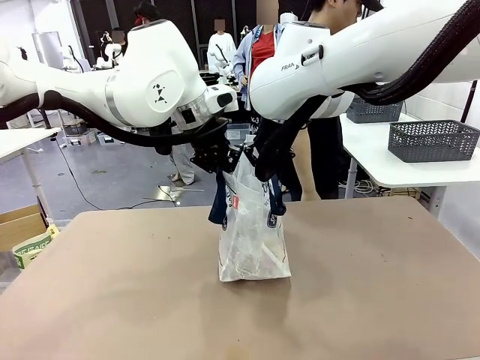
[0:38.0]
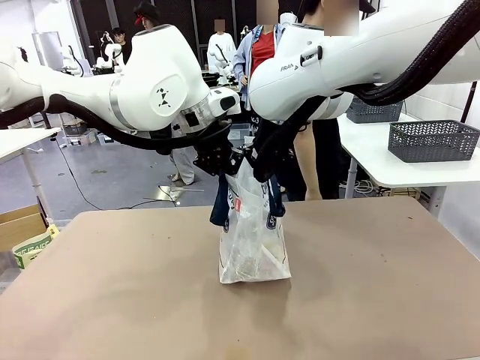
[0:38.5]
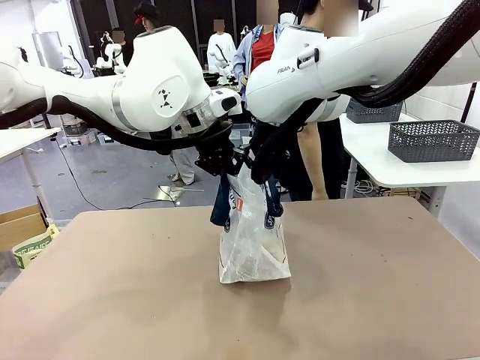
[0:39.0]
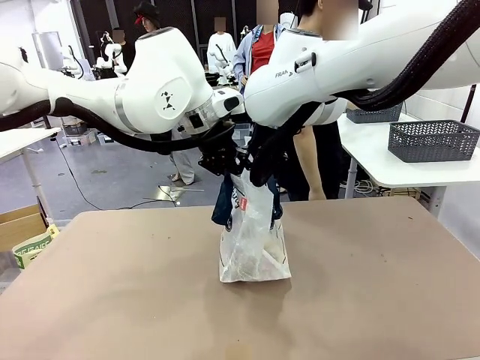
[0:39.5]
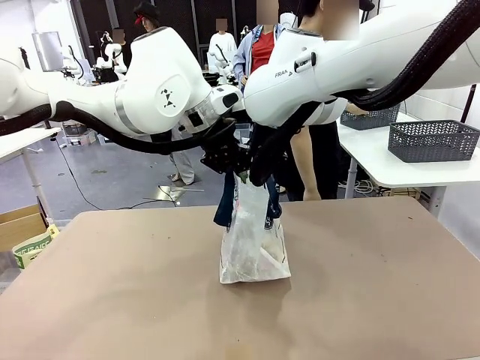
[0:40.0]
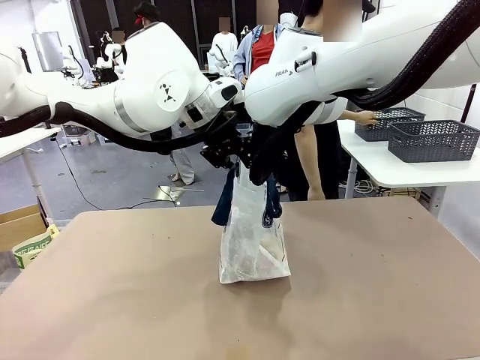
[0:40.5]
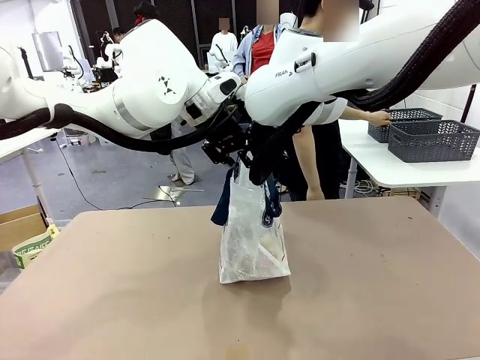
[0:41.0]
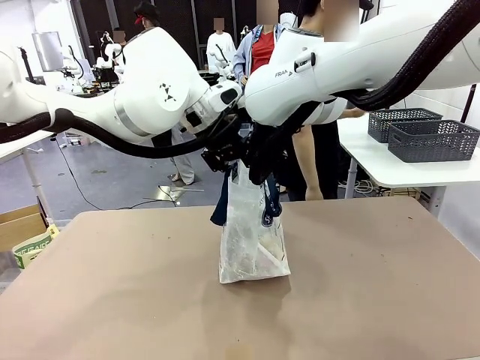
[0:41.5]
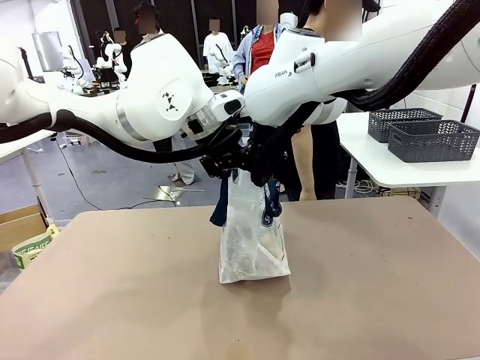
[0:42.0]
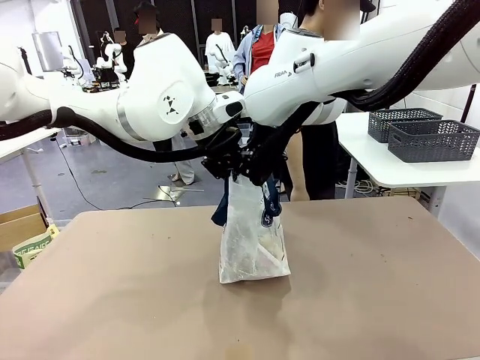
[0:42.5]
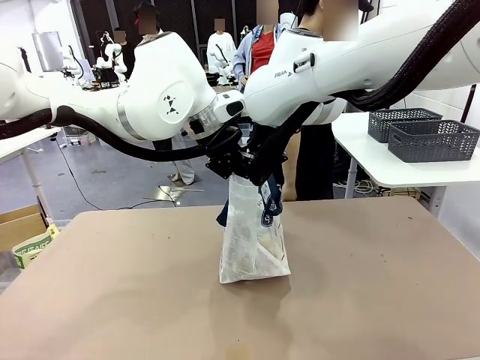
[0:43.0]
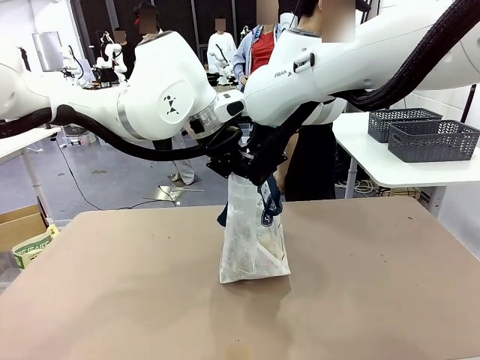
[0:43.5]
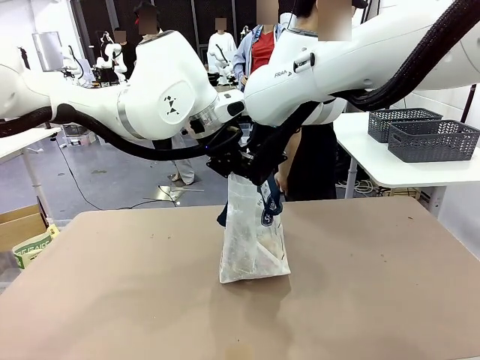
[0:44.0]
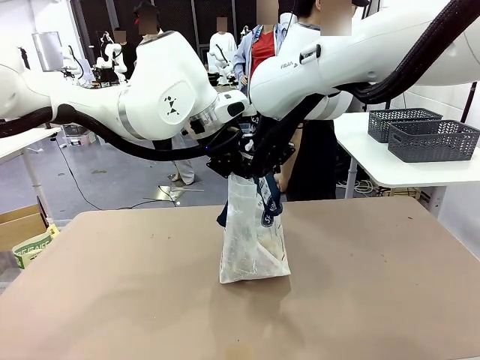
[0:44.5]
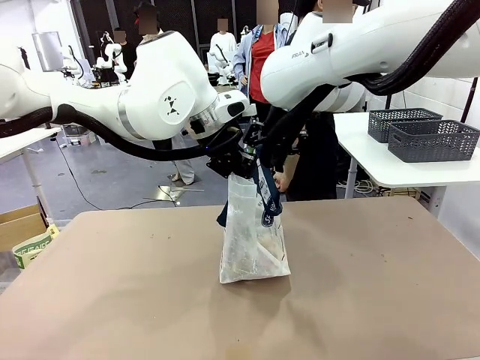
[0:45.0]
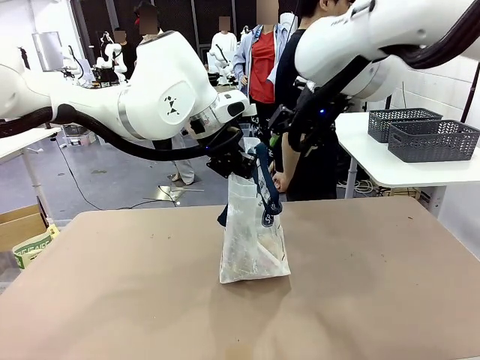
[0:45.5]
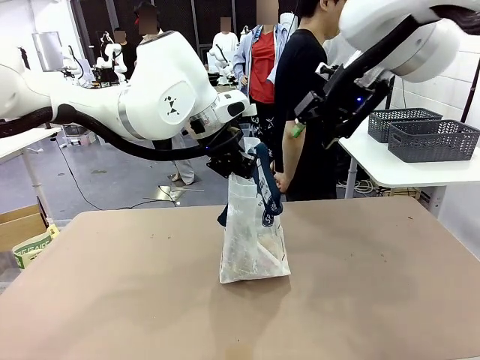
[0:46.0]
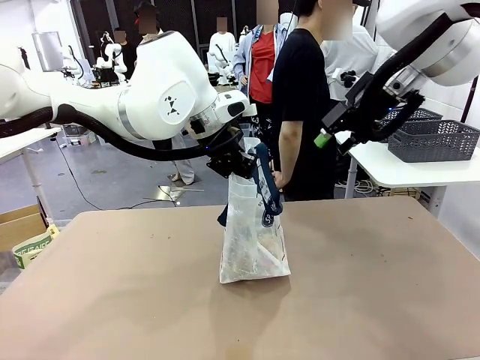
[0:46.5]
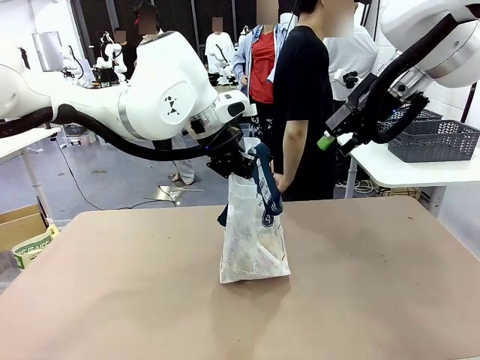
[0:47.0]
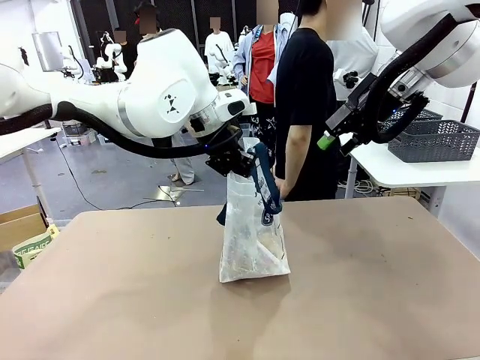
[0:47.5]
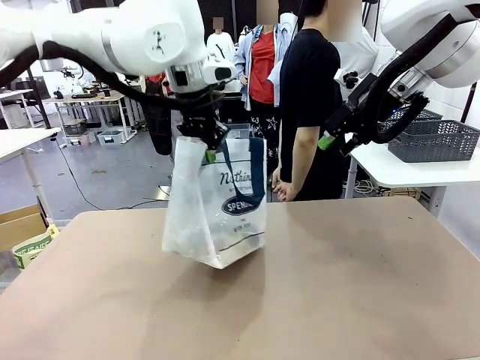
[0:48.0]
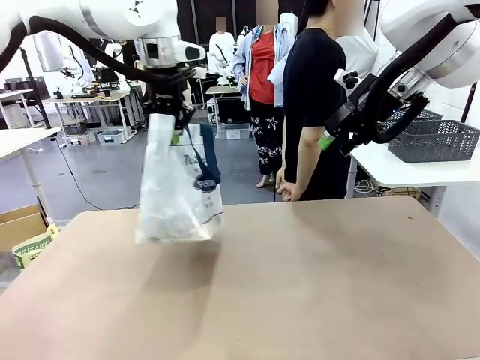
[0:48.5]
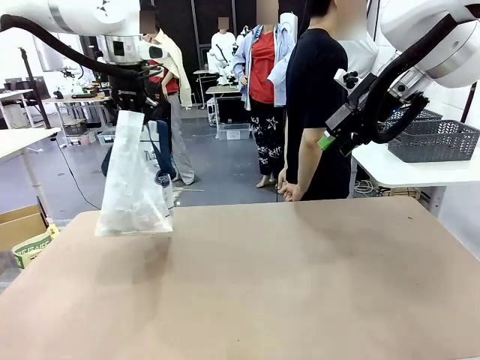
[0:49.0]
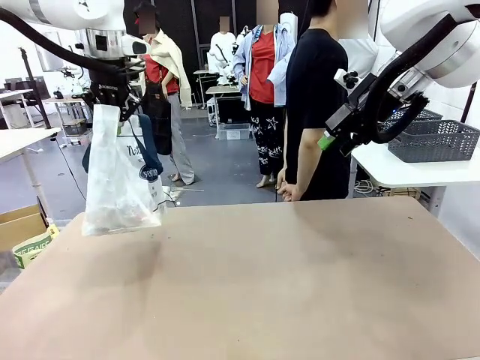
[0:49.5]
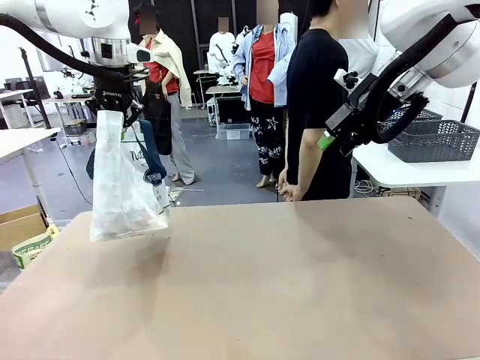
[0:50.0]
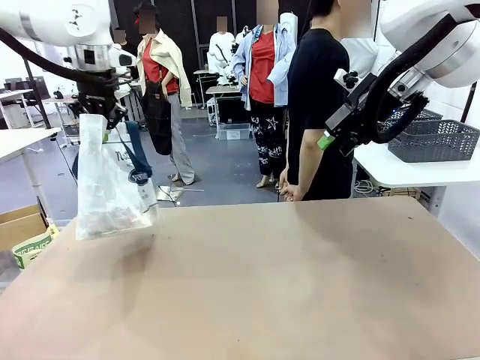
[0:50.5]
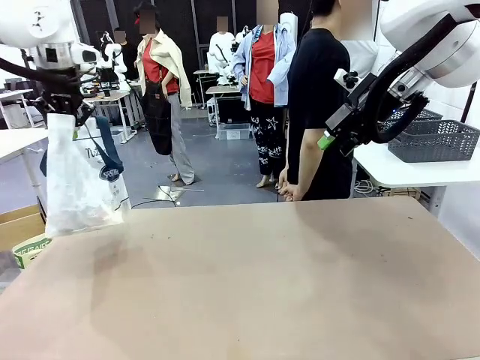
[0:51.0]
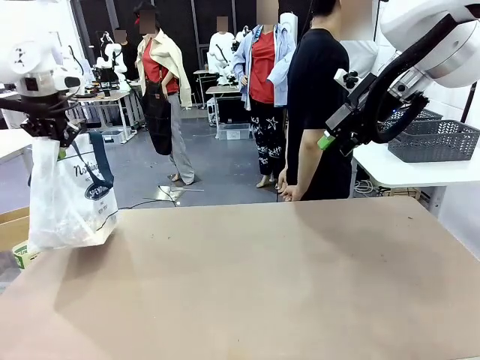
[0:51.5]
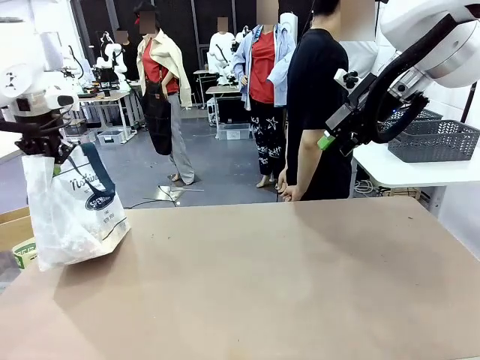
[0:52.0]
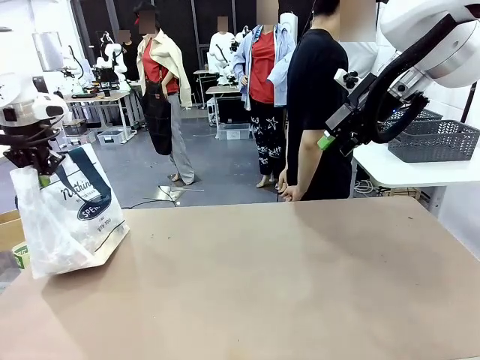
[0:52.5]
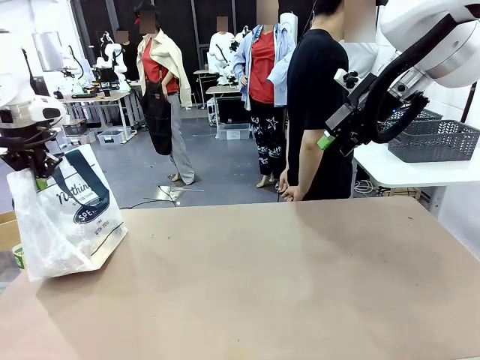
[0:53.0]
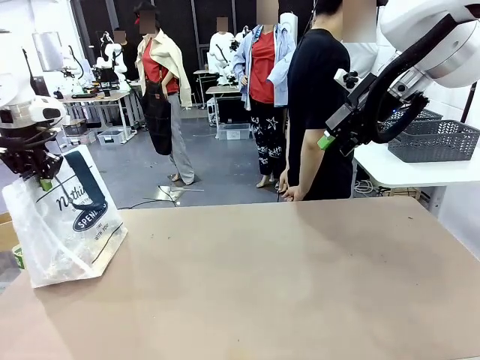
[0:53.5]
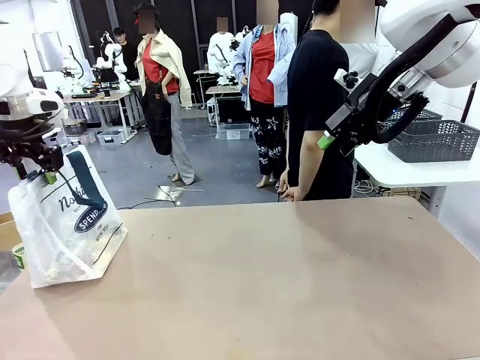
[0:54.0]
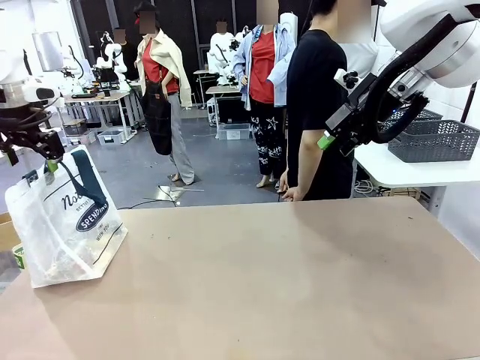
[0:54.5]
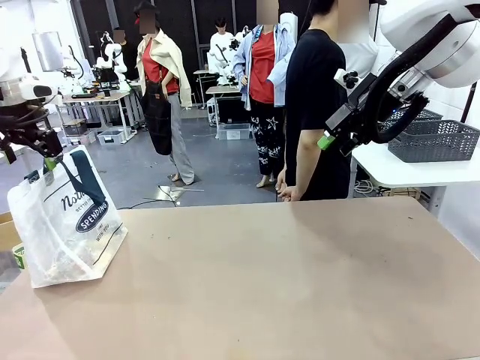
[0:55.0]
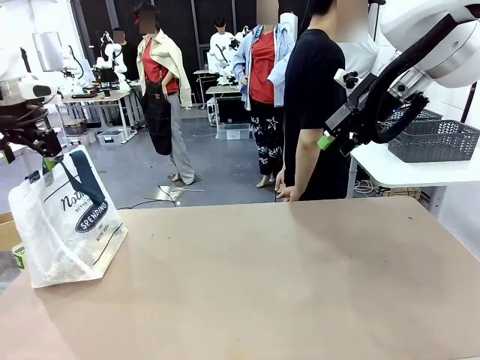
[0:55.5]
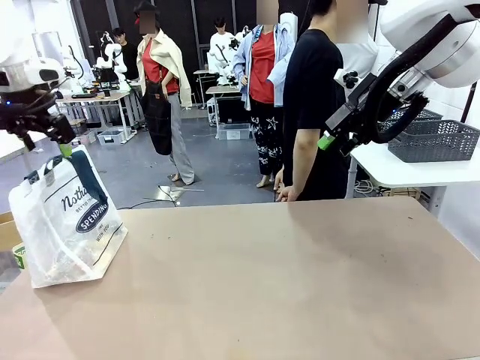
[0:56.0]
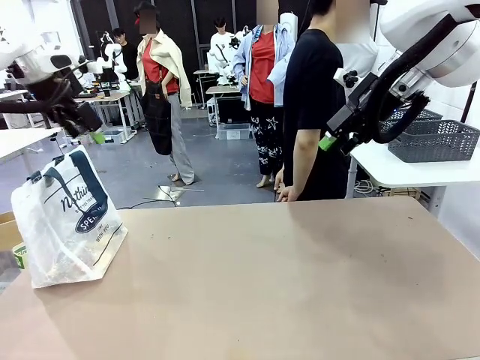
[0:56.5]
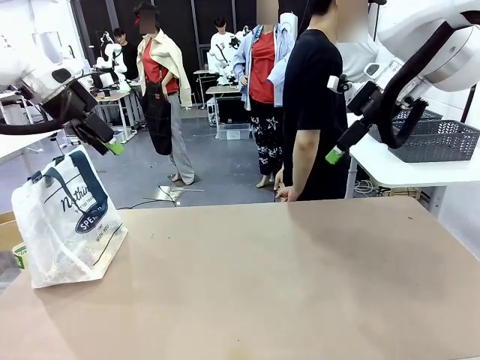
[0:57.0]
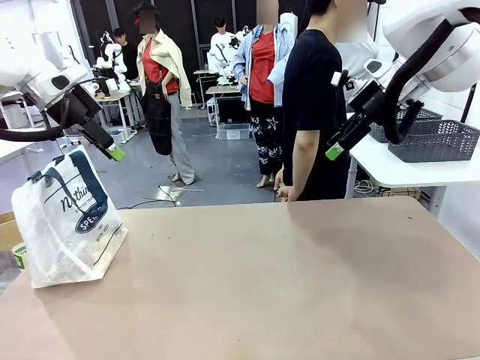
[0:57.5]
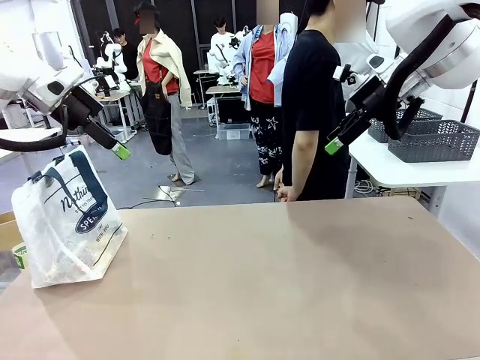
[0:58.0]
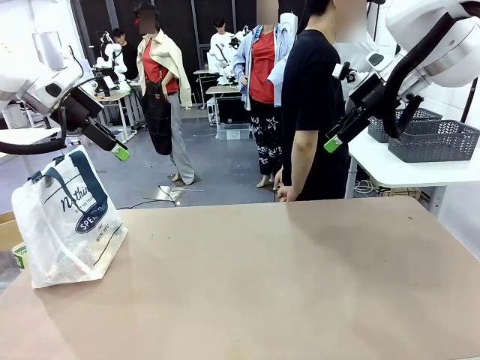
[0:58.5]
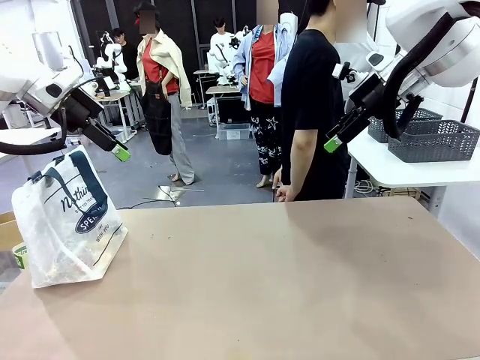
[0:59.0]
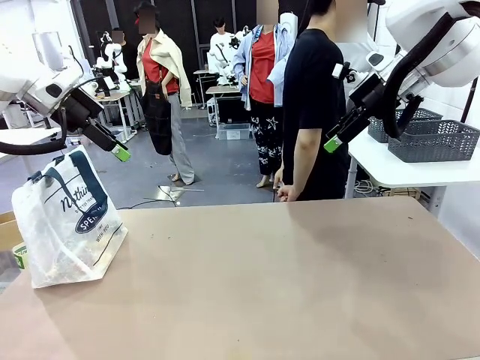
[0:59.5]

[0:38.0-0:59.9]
Task: Transfer purchased items from the store into the shopping bag.
Robot: Move the Reusable shopping bag to the right side of the table.
Person: Move the basket on the left to the middle of the person's table.

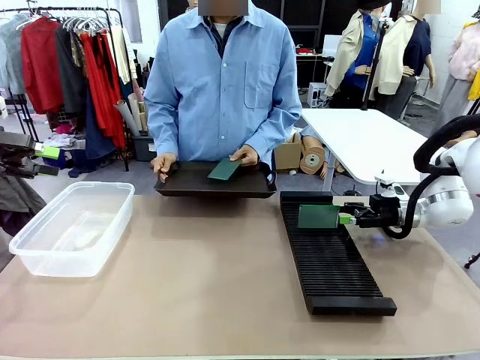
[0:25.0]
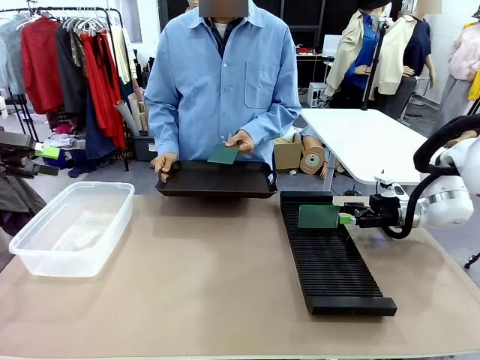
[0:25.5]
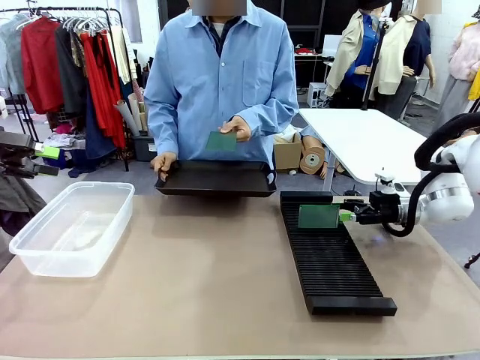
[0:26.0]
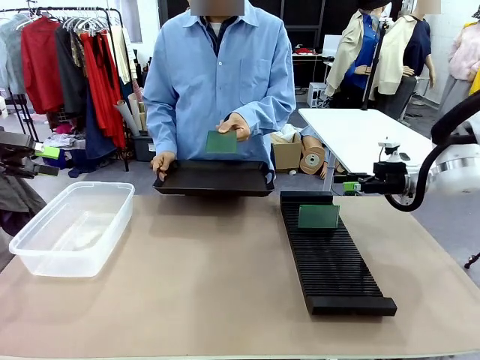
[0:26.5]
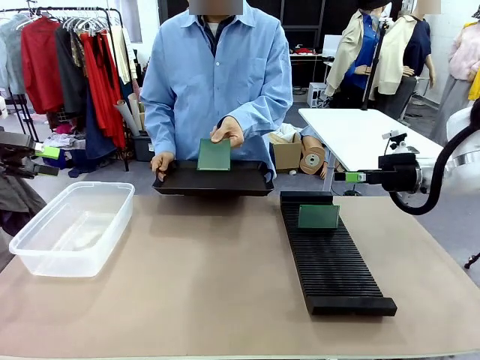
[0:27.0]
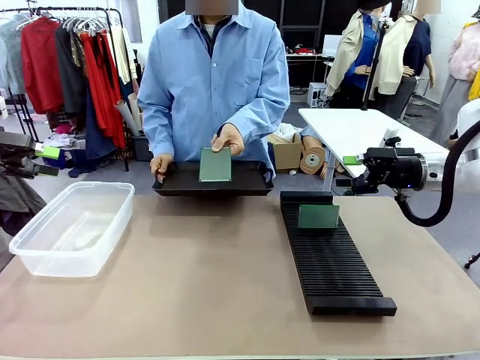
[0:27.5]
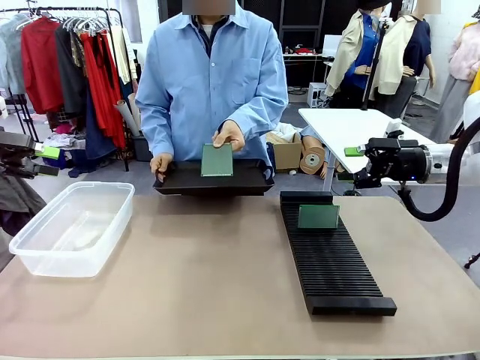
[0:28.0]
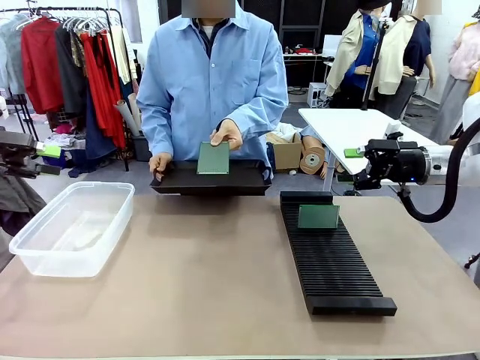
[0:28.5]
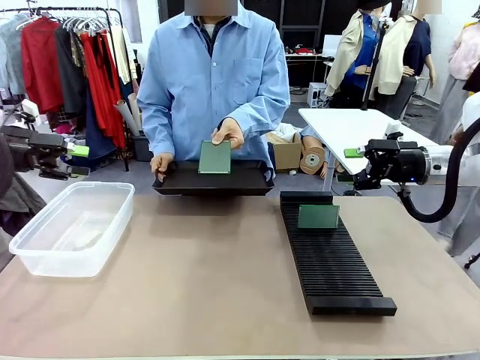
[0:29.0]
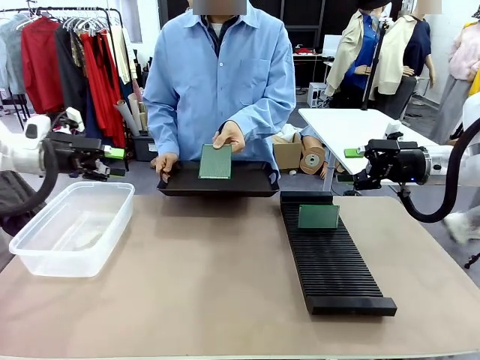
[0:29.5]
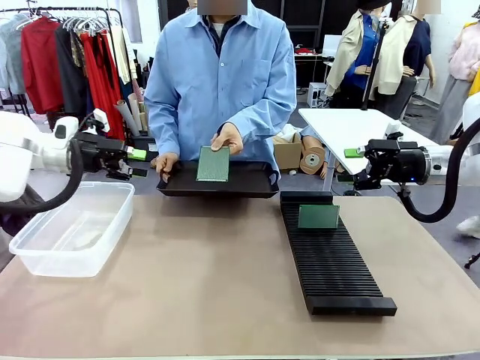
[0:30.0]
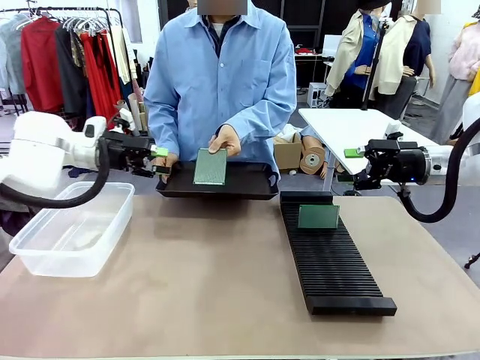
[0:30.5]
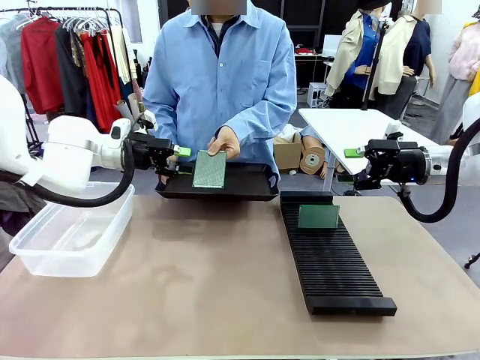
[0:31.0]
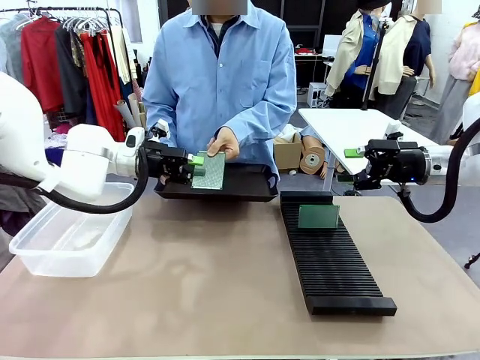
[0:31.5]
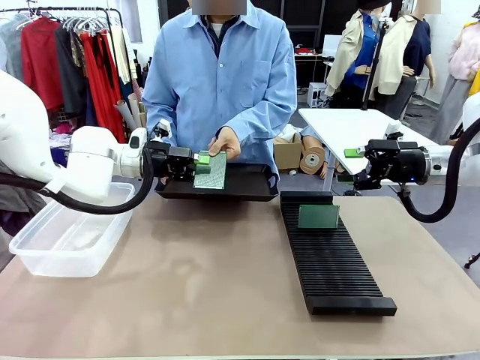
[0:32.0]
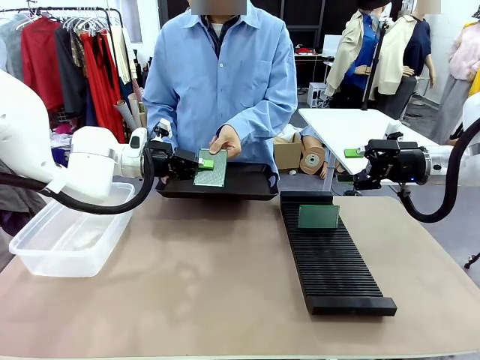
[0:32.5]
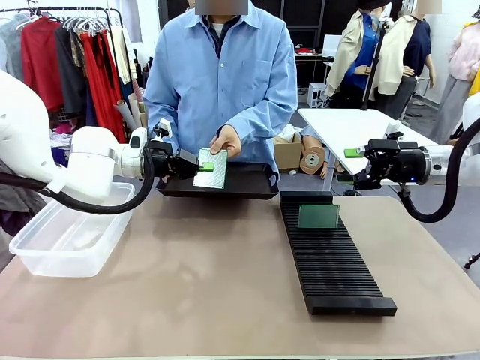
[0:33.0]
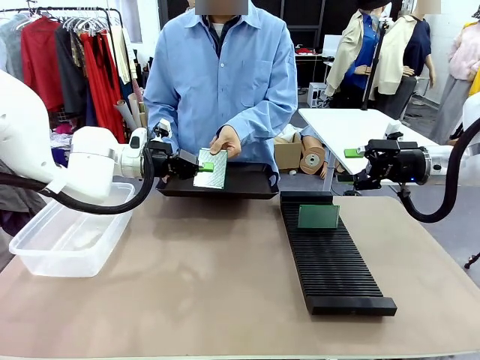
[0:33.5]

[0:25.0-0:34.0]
Task: Sort PCBs into racks and boxes based on the side picked up.
Robot: Pick up the Blank PCB handed by the Human.
